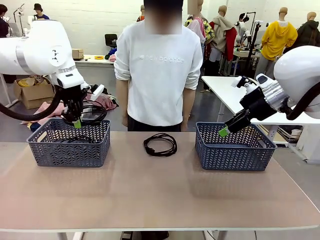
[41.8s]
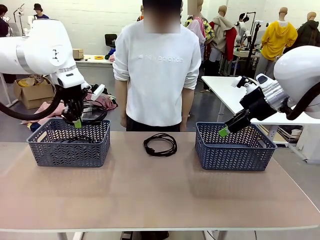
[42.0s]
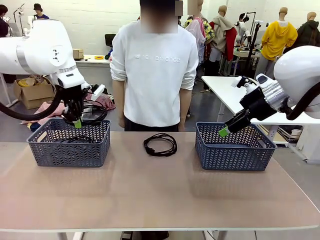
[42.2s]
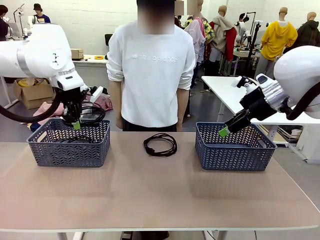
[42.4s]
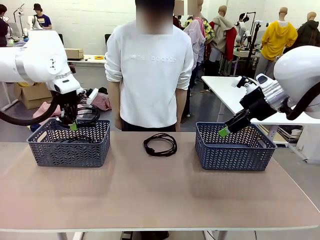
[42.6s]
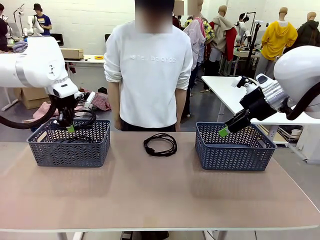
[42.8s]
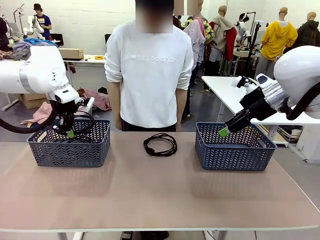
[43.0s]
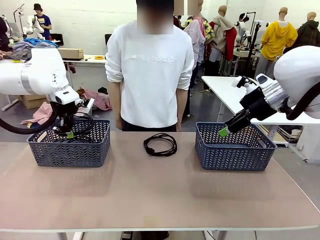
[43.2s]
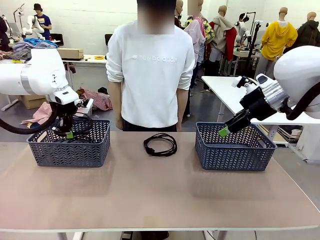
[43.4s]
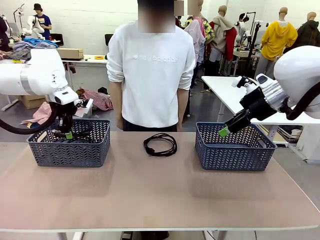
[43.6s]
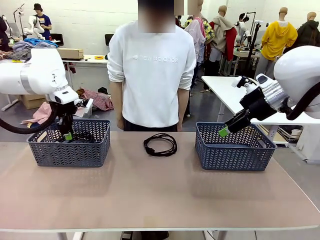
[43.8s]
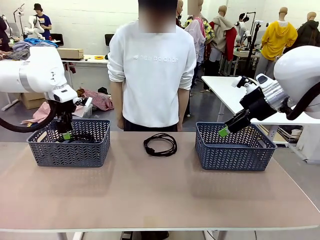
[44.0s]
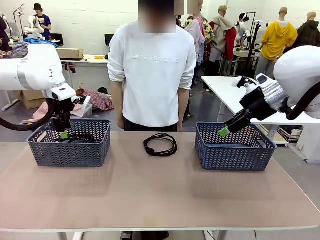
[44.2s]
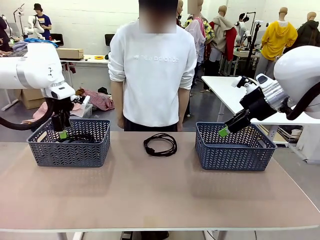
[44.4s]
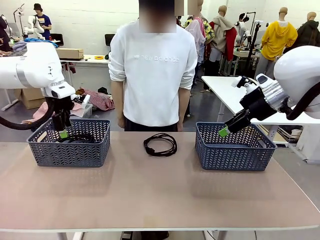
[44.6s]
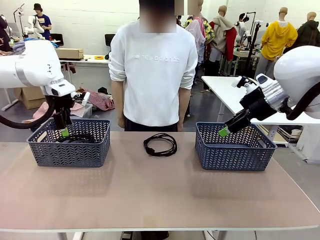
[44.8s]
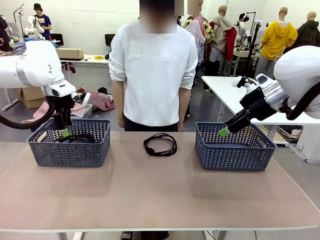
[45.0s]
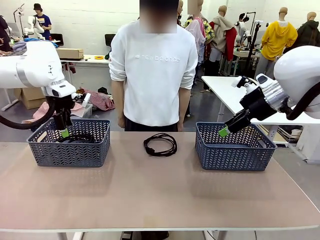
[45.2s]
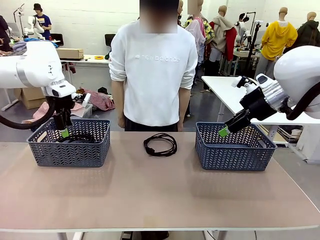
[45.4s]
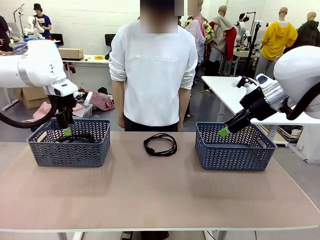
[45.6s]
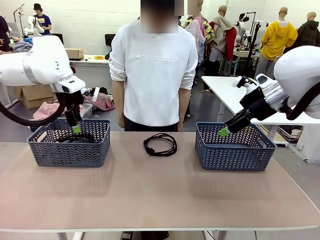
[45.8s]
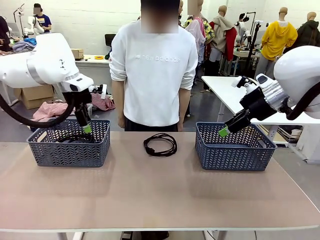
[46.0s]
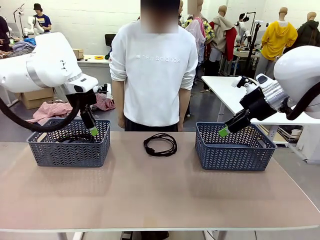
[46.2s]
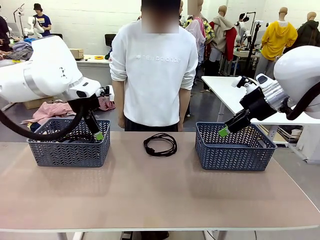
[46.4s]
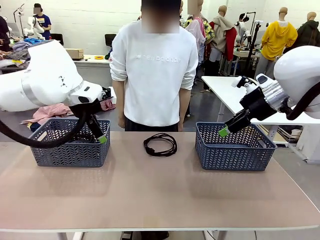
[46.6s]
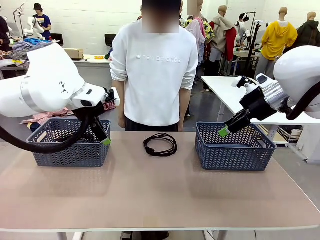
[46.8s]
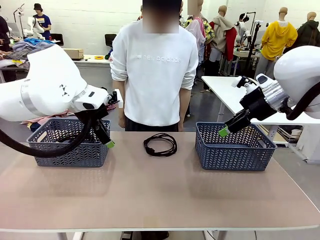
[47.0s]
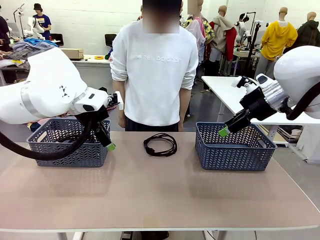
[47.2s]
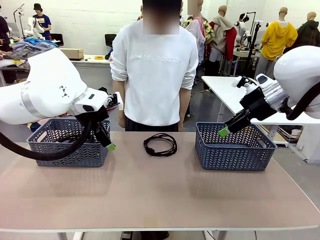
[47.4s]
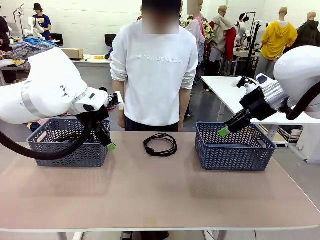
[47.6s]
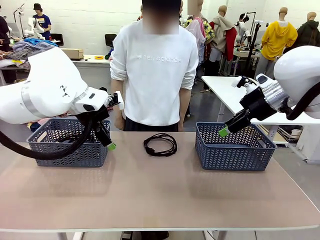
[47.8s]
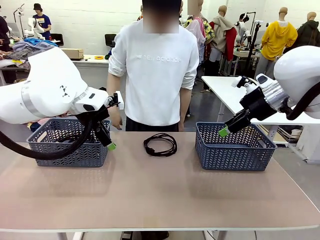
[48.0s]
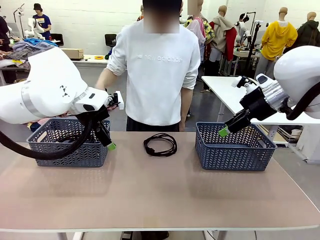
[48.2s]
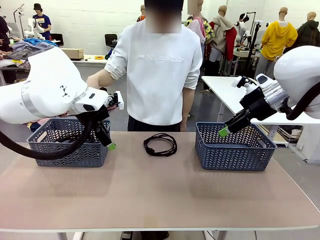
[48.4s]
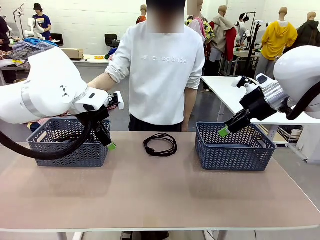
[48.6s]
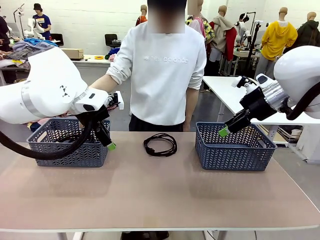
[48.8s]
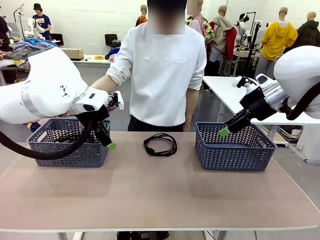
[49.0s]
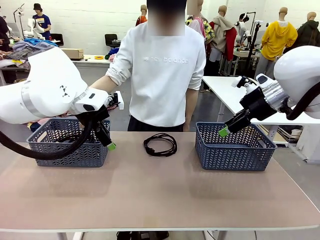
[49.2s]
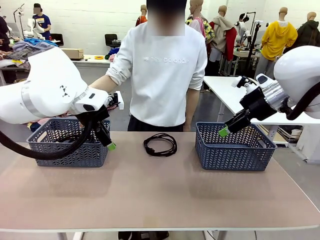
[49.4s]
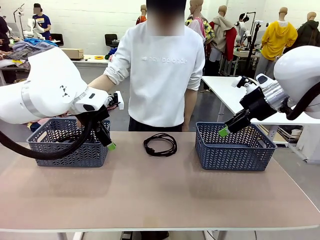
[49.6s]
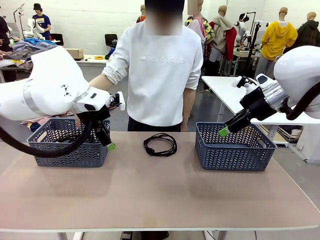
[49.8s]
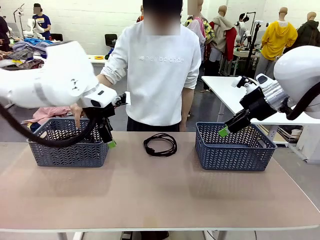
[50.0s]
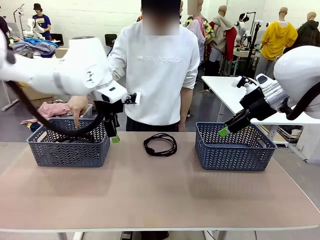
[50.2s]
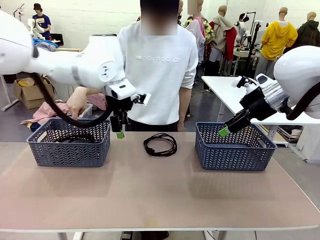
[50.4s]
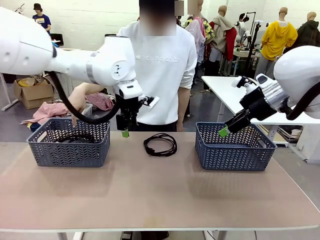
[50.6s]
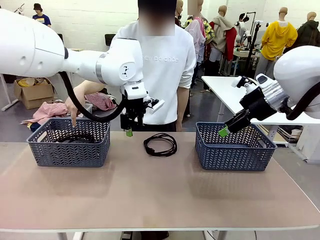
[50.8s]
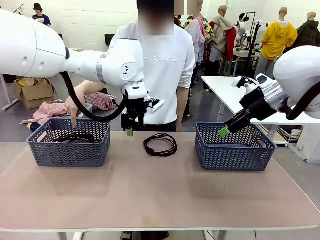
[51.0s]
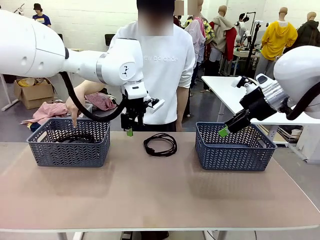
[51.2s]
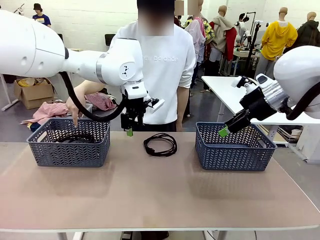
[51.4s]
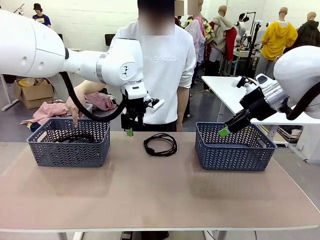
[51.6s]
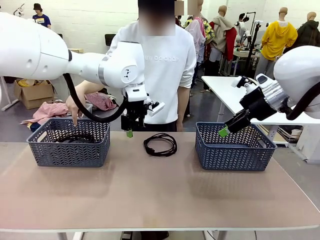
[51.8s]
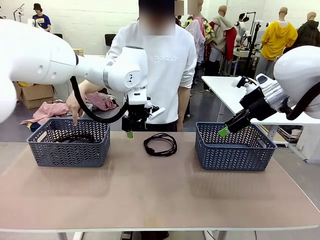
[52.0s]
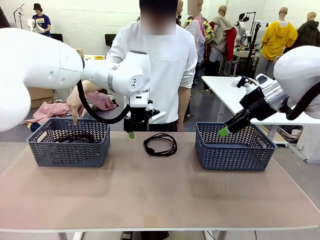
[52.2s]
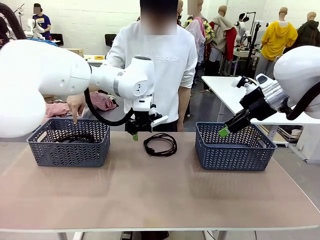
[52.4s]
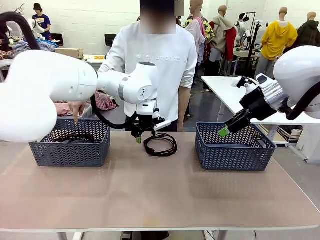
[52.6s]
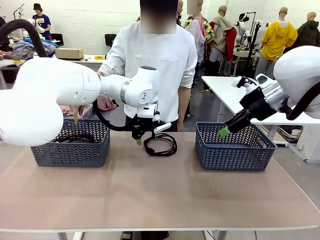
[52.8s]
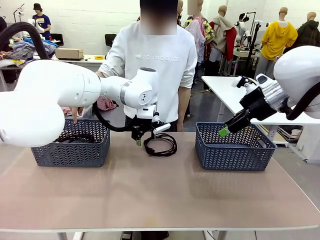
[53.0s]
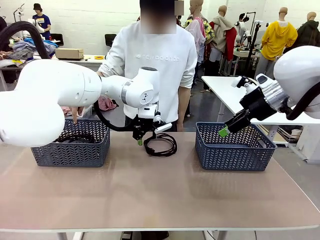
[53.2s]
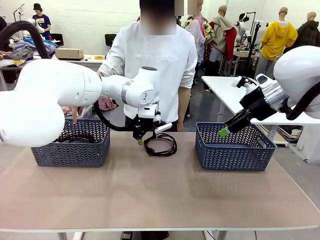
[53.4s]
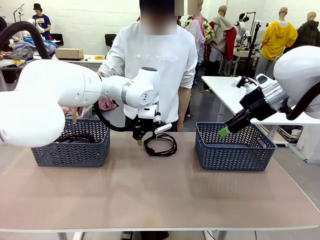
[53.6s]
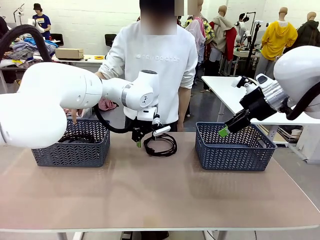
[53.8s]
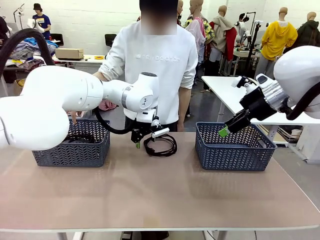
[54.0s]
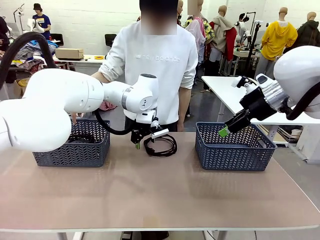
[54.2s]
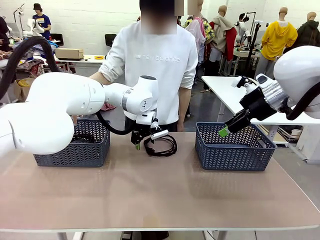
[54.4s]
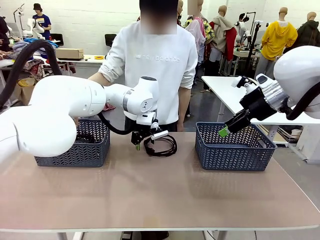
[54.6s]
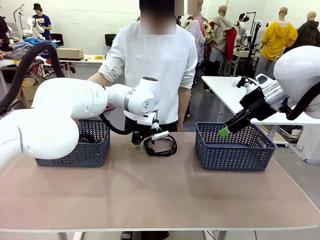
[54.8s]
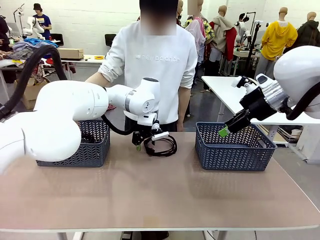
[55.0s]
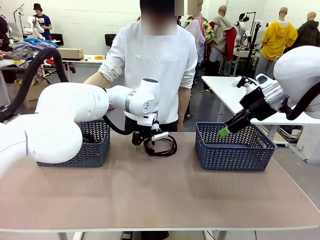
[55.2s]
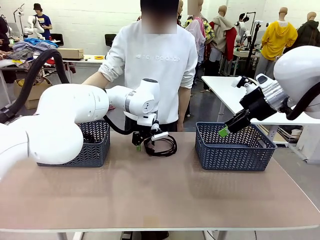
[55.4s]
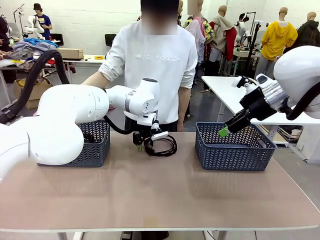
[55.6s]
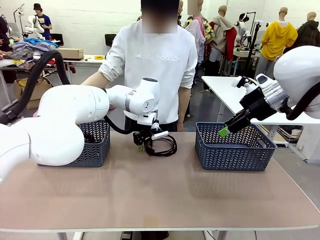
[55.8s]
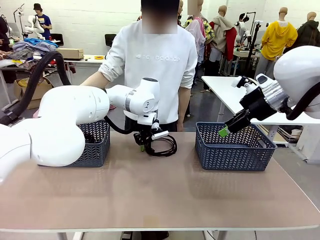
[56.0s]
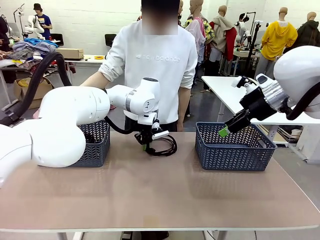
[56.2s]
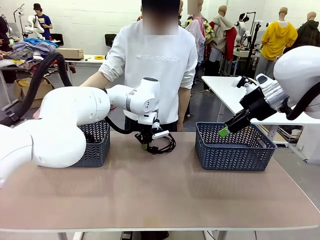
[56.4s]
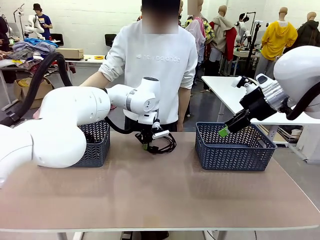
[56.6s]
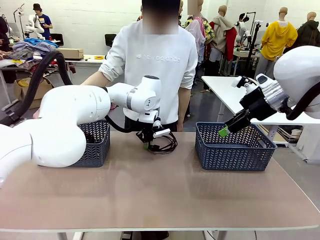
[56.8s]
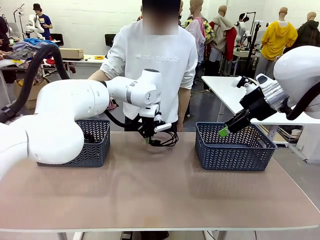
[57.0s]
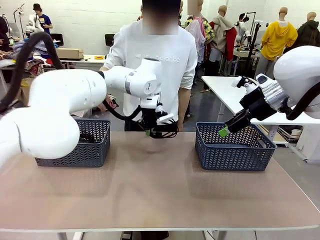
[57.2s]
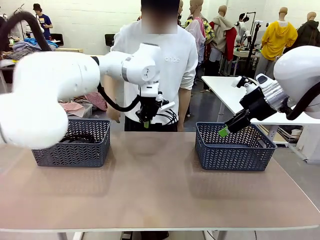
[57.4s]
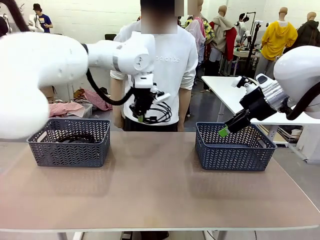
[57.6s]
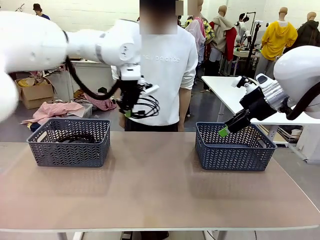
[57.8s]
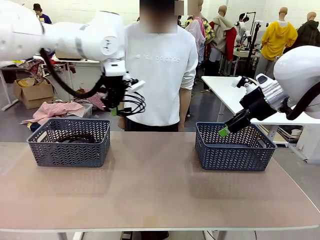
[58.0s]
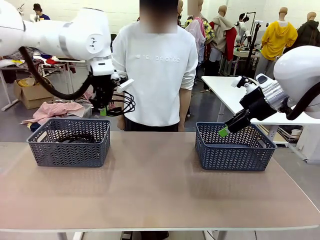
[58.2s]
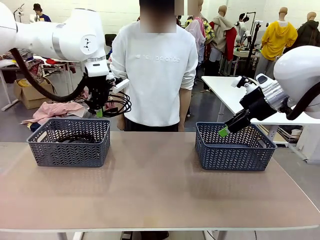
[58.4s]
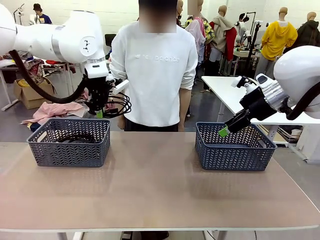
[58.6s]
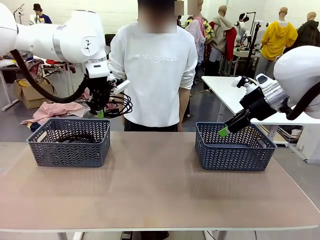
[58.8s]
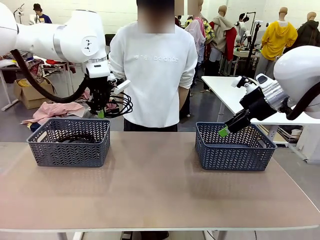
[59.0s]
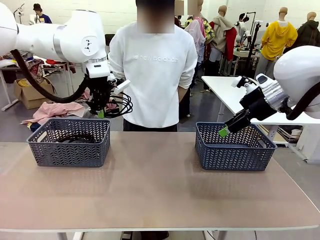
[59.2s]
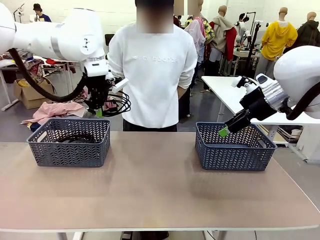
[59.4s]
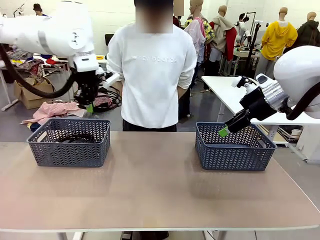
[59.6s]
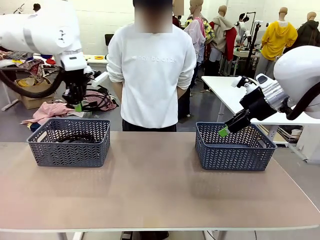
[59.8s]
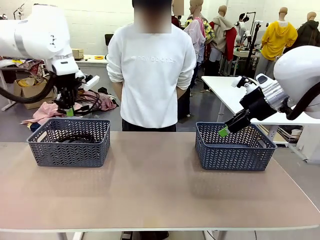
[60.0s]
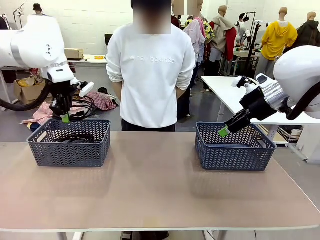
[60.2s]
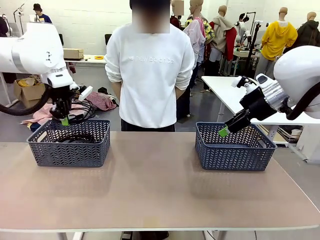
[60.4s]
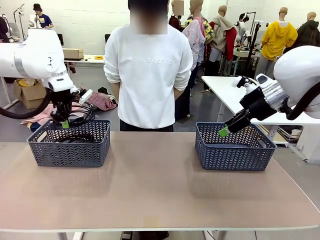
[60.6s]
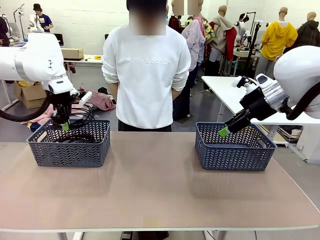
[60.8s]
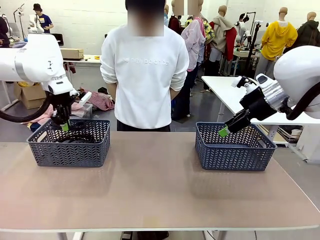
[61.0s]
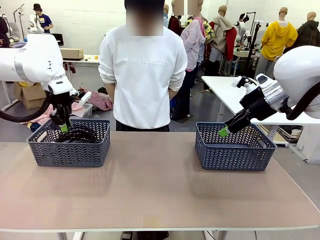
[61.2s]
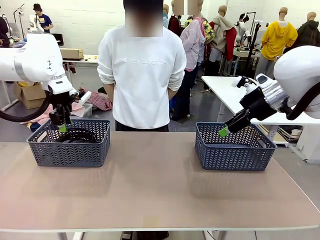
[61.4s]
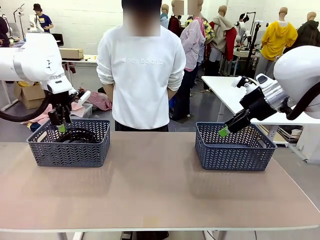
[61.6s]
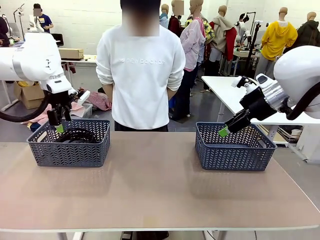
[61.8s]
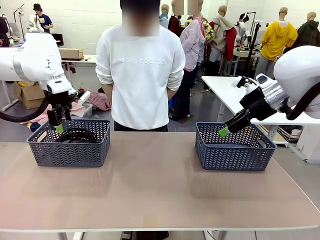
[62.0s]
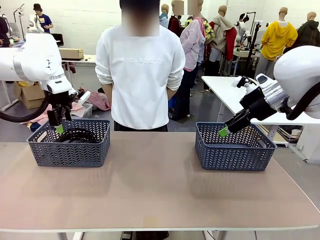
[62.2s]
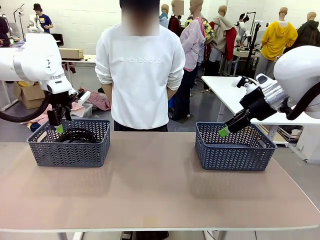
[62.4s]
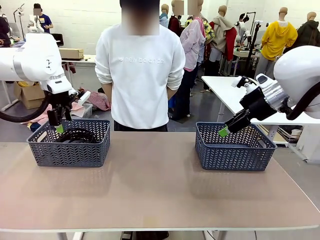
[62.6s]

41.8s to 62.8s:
Task: Organize the cables according to human instructions.
Robot: Pick up a bundle of cables and place it in the basket indicated by the human.
